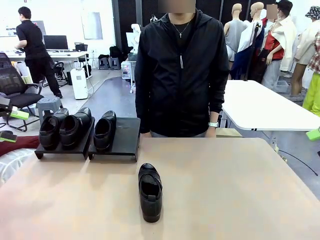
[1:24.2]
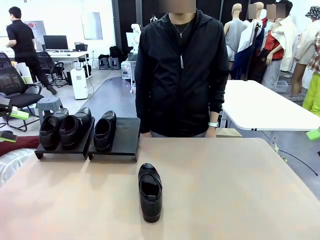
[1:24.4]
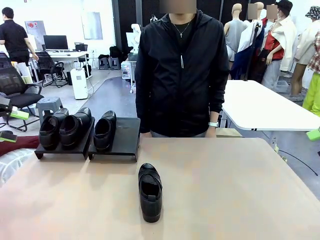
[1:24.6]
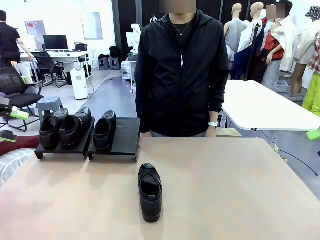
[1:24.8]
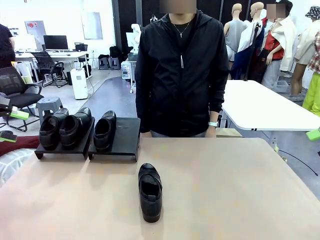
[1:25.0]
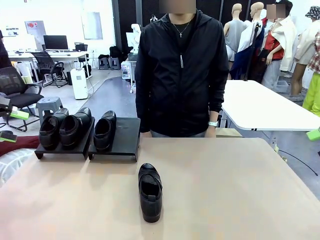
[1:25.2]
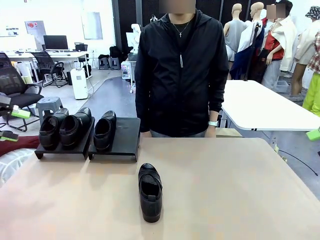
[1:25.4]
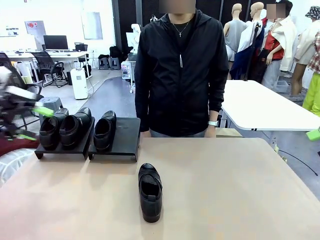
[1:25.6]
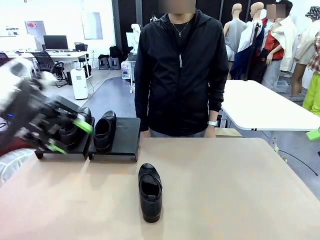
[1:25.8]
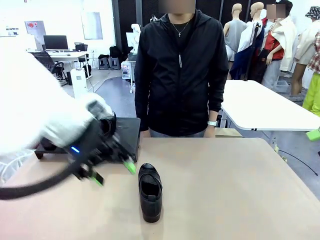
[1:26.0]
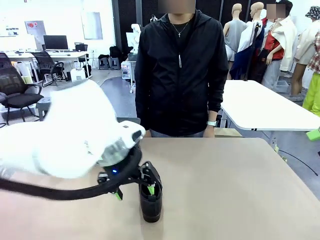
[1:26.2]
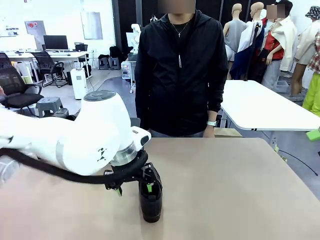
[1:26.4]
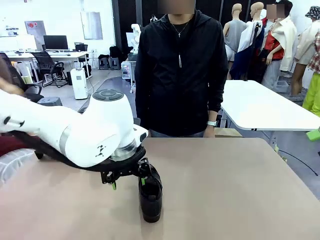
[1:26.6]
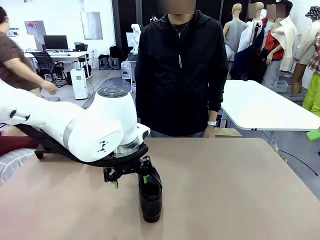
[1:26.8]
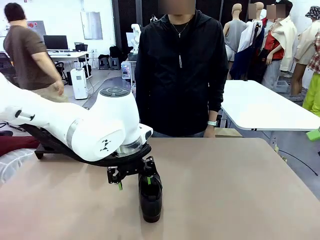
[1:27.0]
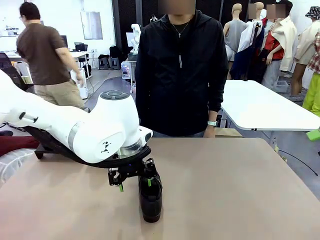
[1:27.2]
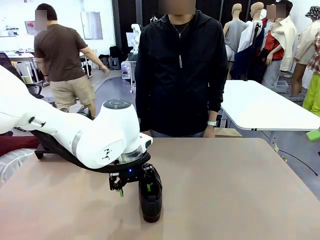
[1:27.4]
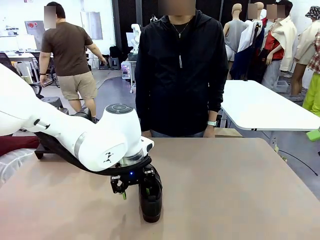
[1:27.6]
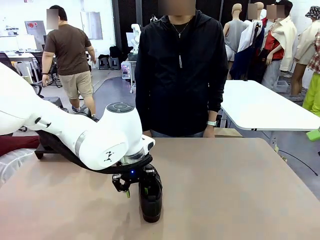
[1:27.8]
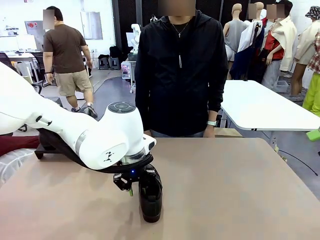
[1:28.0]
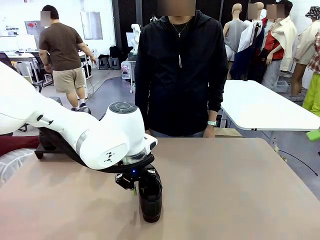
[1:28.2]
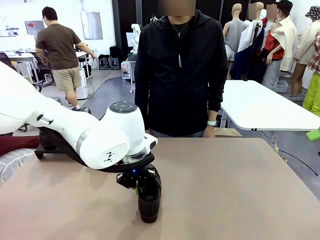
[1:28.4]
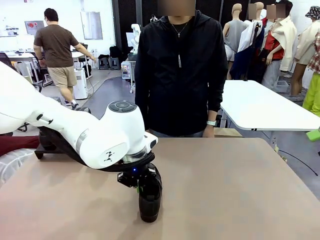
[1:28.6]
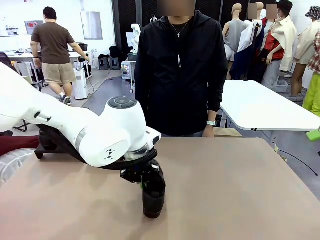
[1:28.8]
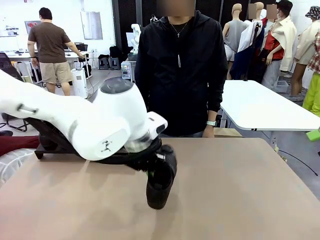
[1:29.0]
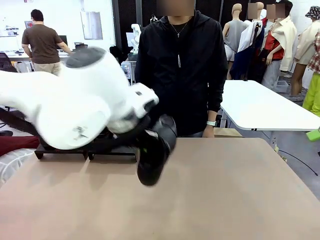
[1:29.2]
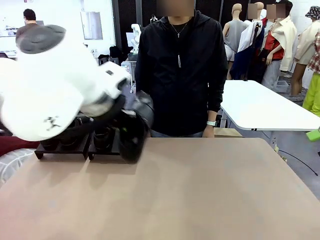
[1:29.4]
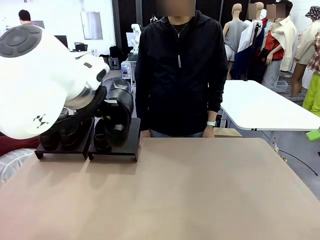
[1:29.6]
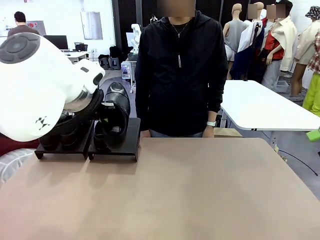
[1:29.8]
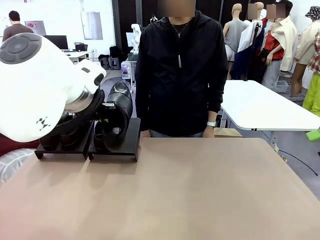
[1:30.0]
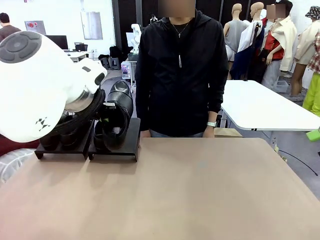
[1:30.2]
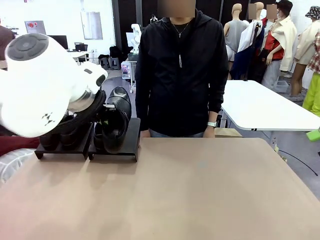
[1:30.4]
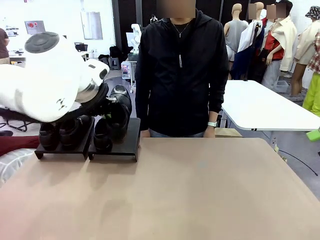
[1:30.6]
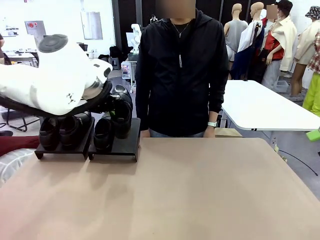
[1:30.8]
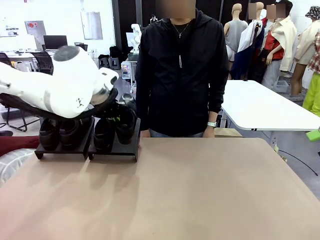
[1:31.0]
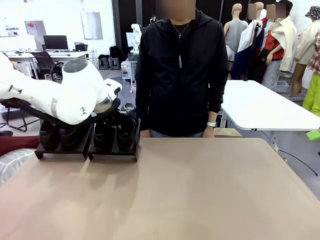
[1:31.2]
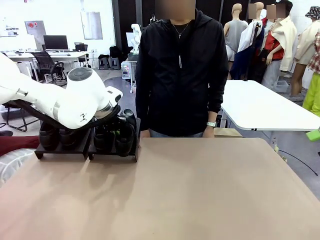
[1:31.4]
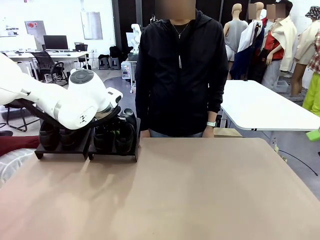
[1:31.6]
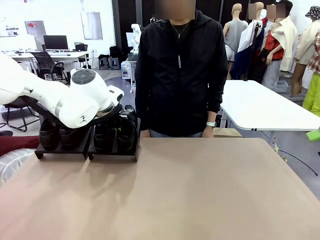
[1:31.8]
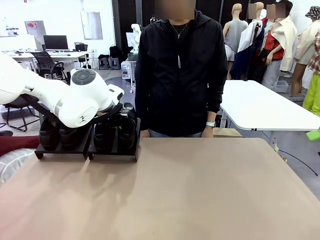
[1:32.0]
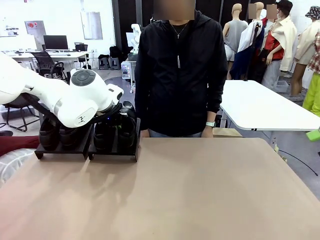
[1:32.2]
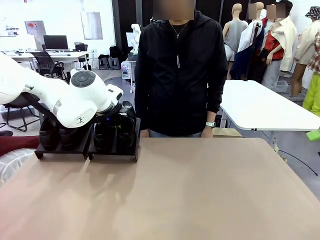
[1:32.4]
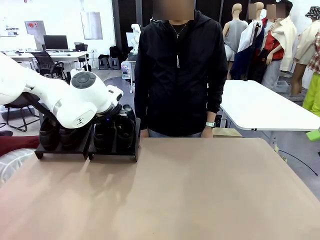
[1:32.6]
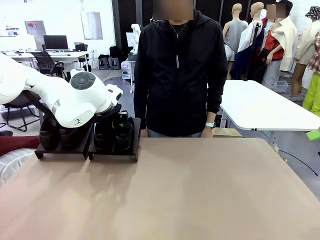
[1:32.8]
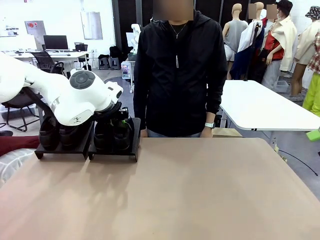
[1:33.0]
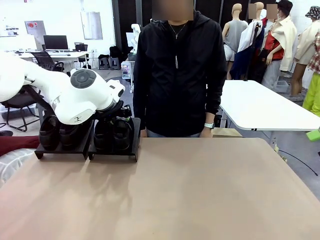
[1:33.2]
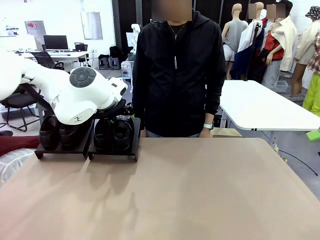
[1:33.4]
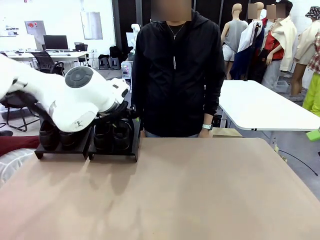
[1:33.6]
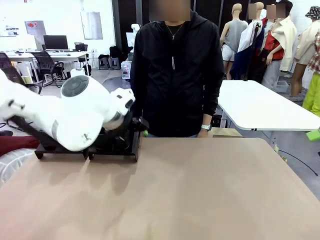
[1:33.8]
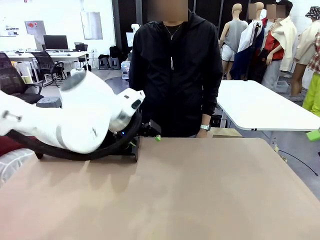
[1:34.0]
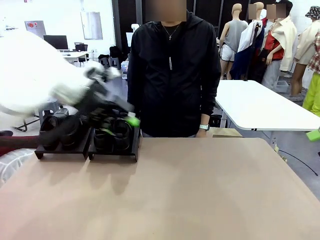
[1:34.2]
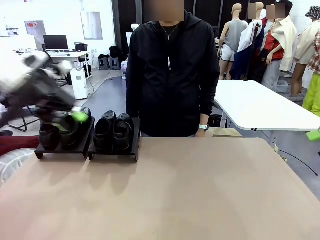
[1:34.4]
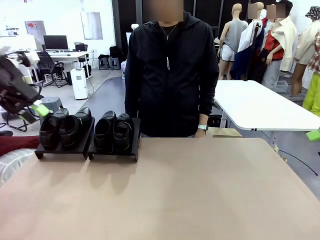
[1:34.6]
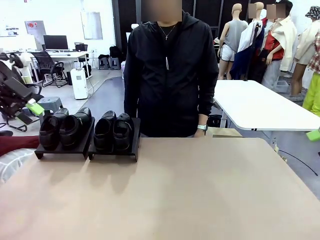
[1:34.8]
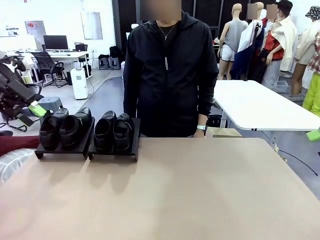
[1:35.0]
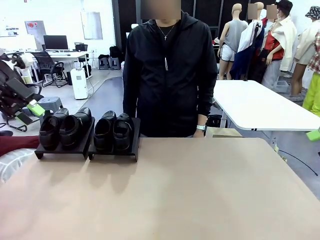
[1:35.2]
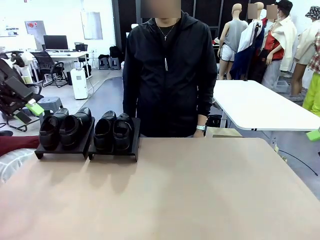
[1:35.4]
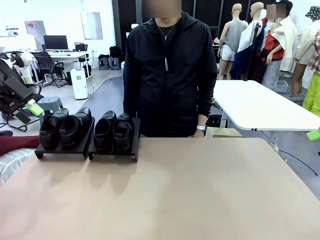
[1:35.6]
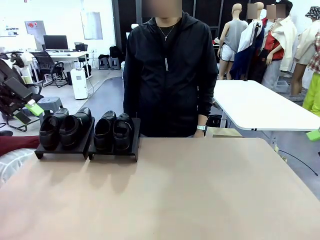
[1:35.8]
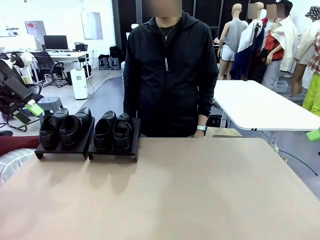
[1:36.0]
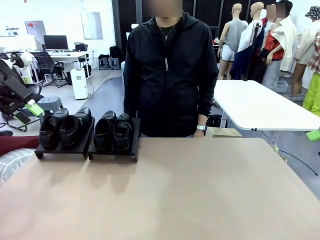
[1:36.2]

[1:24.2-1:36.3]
Task: Organize the shoes by placing them on the stand.
Robot: Place the Shoe from the middle of the table onto the Shoes Stand.

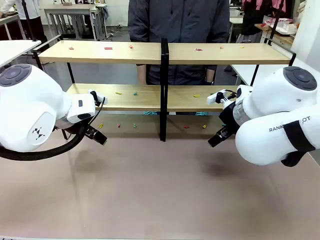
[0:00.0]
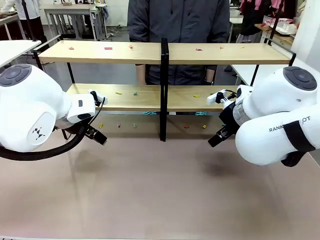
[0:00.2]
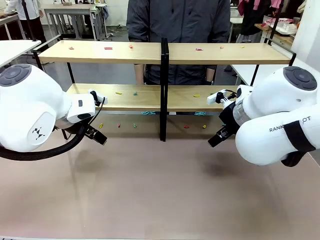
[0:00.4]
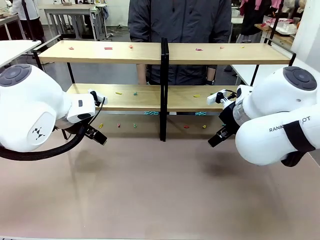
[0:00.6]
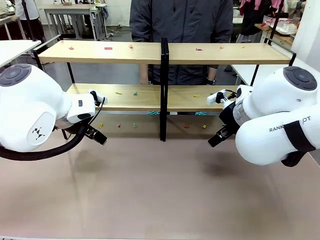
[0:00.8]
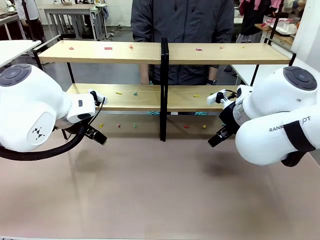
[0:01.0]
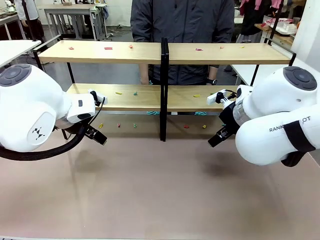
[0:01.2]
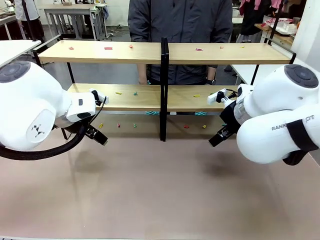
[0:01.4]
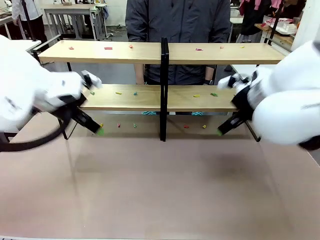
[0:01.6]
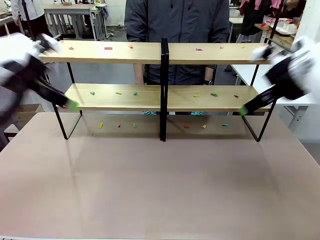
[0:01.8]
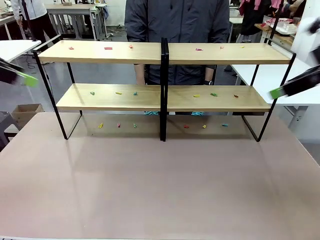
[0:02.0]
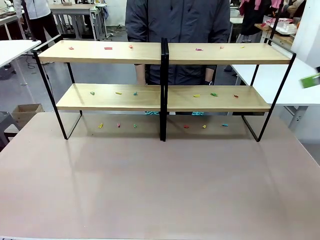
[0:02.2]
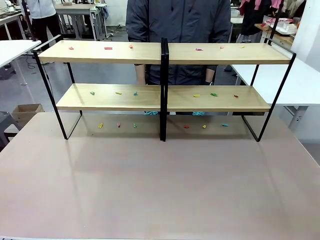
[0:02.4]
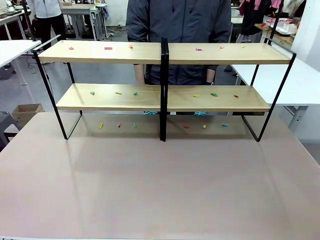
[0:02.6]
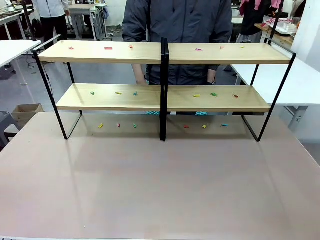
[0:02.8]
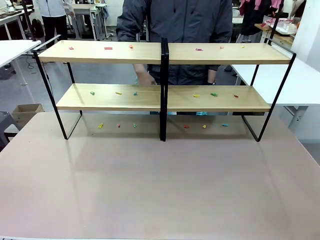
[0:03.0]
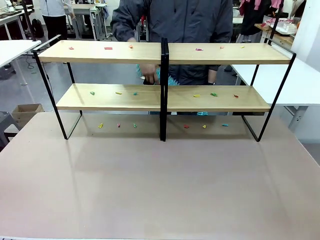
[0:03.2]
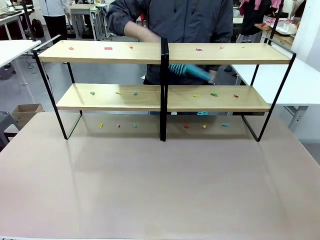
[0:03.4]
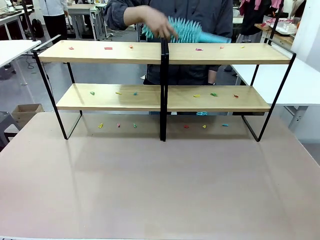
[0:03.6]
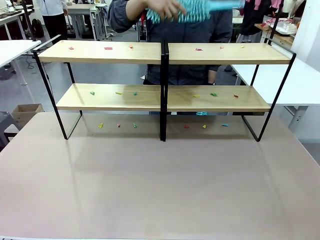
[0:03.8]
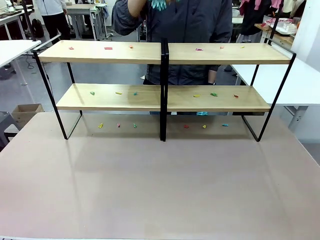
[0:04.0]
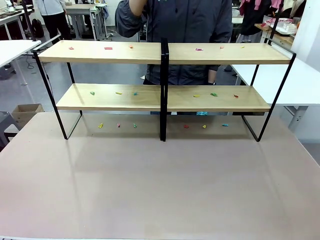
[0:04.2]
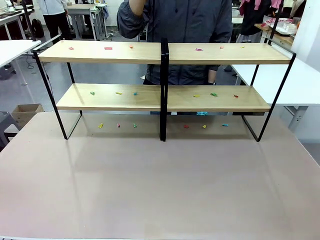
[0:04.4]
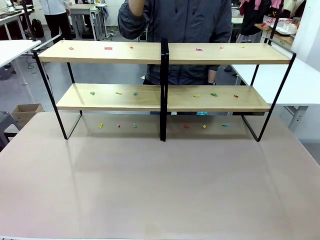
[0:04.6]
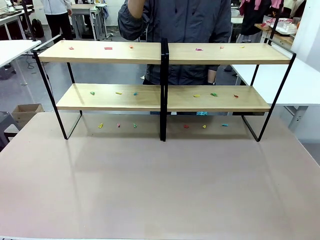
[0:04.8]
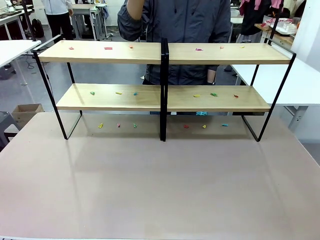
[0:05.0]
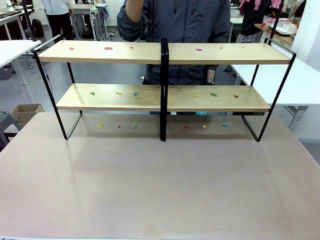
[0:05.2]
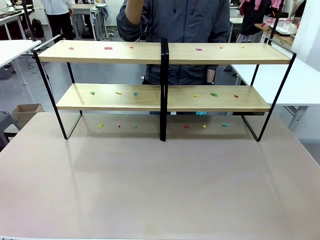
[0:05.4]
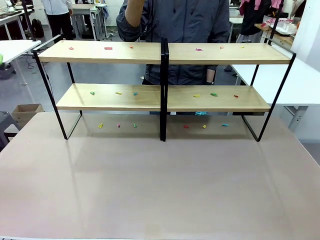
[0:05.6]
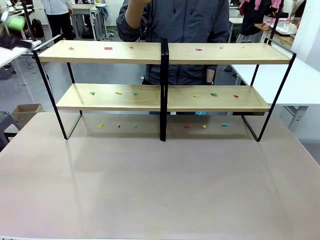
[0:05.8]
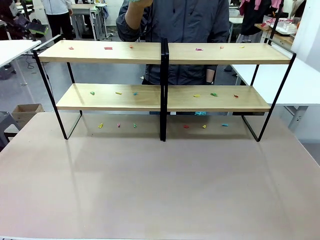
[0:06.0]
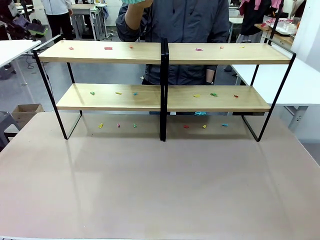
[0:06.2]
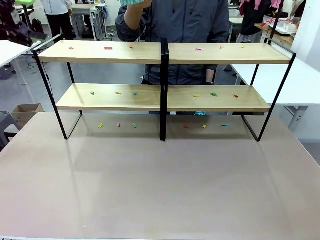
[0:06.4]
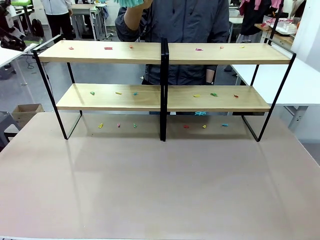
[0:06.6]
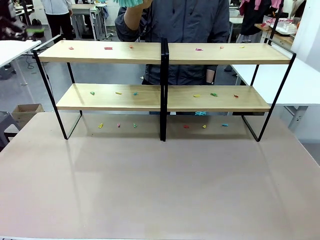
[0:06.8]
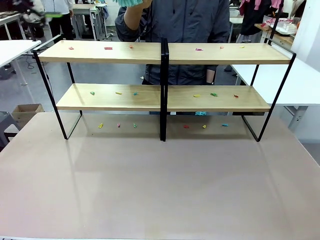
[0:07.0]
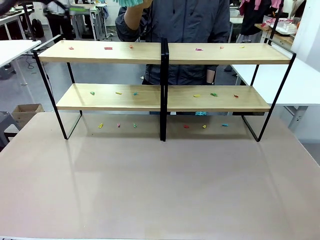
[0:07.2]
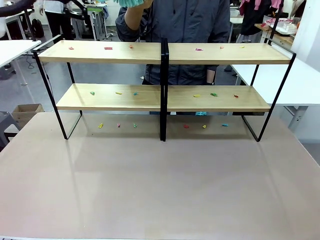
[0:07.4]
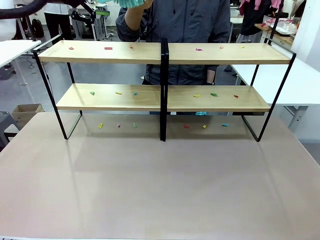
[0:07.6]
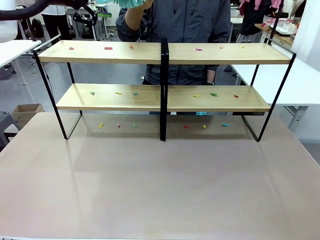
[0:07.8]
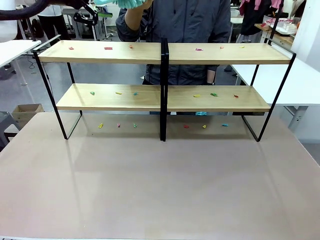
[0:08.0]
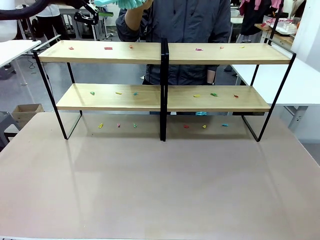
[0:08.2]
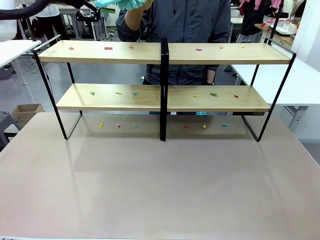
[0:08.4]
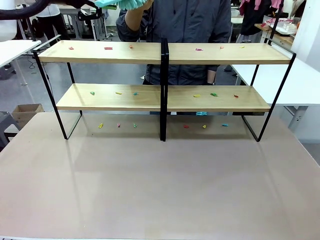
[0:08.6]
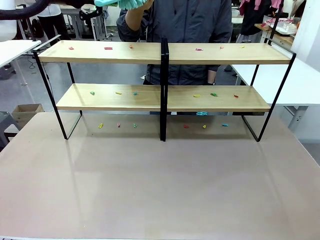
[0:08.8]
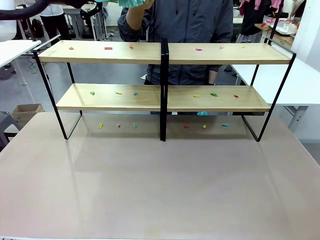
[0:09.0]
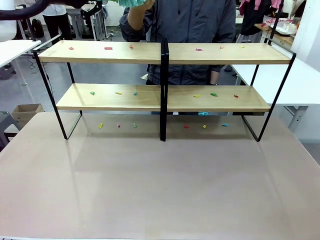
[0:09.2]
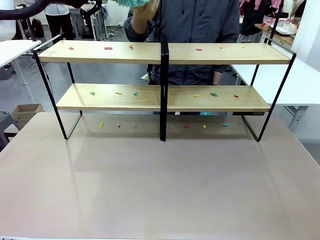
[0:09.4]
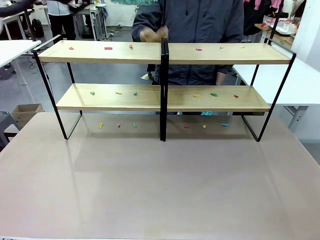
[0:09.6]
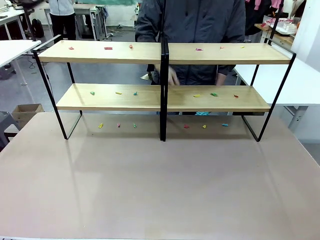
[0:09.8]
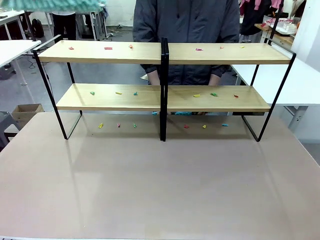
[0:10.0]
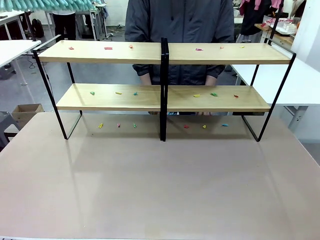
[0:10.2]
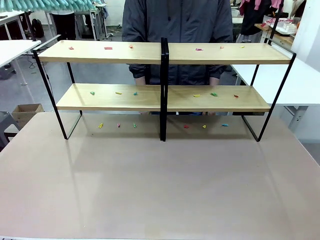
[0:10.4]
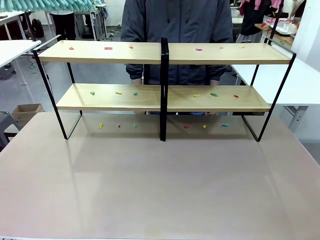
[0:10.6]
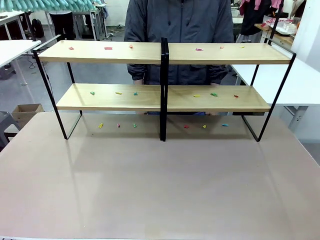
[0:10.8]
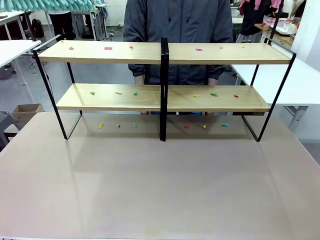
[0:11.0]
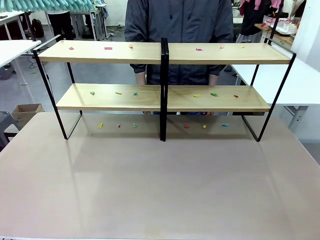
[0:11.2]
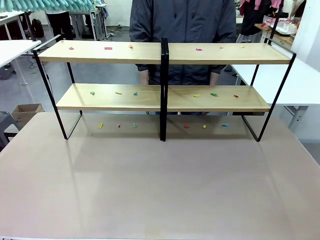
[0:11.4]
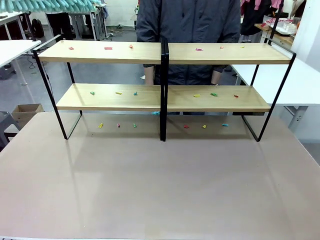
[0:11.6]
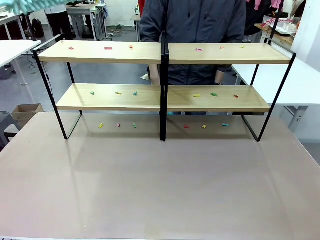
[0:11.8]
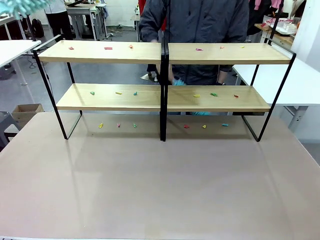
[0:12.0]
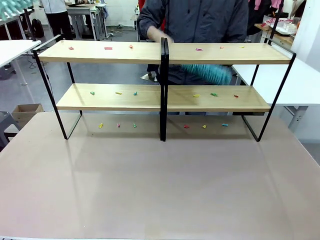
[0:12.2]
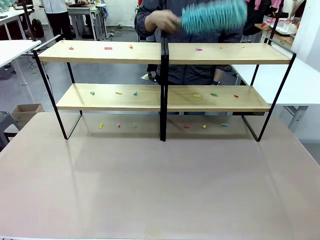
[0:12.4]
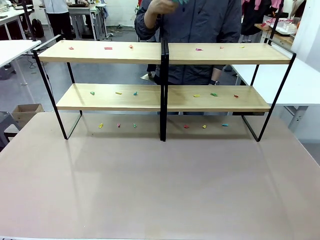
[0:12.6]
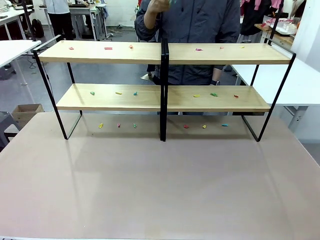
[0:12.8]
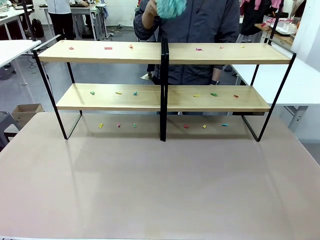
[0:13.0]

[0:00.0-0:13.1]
Task: Clean the shelves.
Robot: Pick up the Duster when the human hands it over.
Person: Hand the Duster to the robot with your right (or left) hand.
